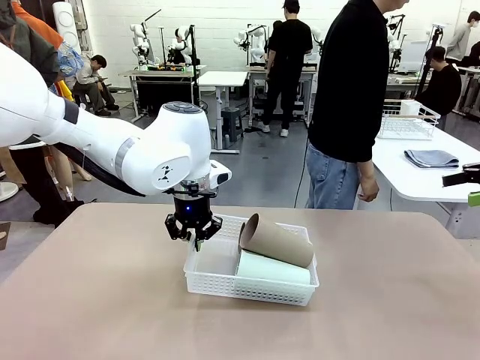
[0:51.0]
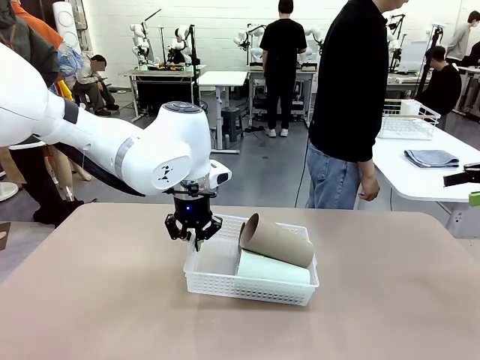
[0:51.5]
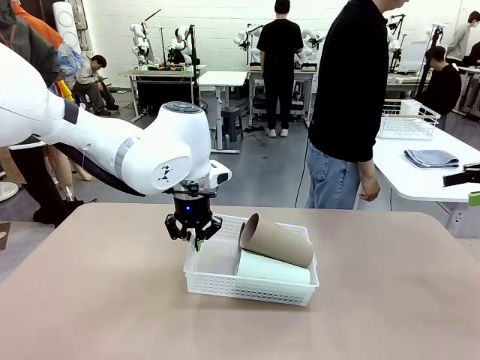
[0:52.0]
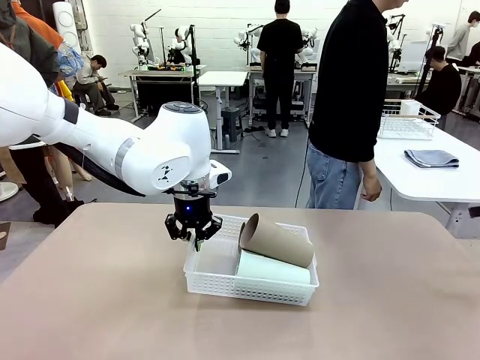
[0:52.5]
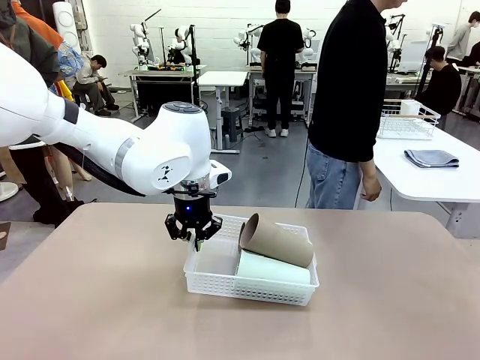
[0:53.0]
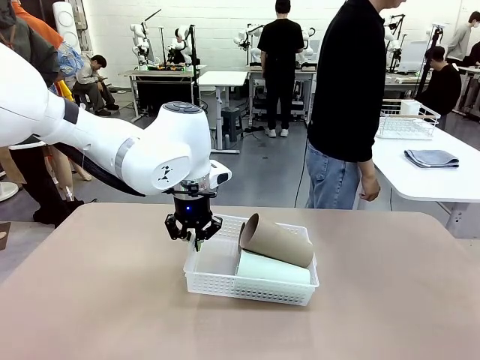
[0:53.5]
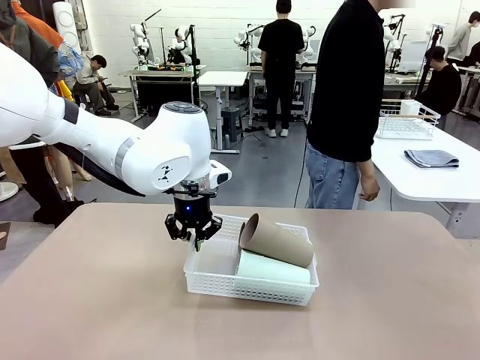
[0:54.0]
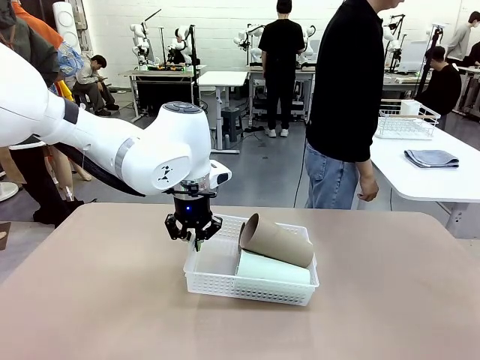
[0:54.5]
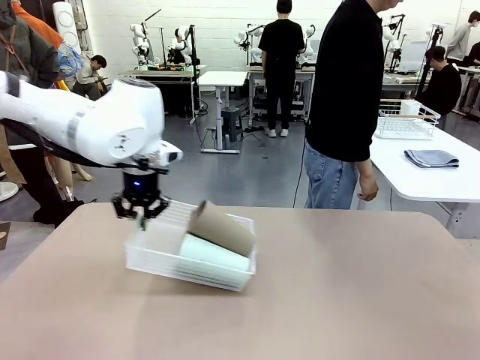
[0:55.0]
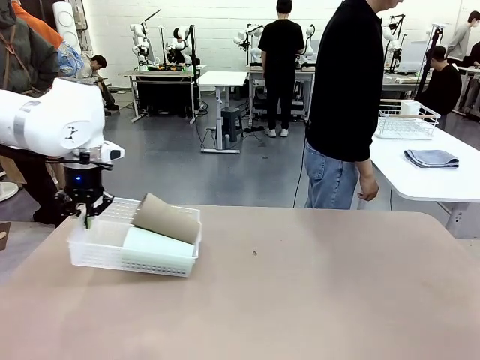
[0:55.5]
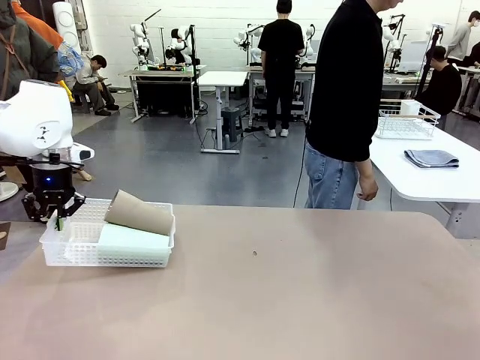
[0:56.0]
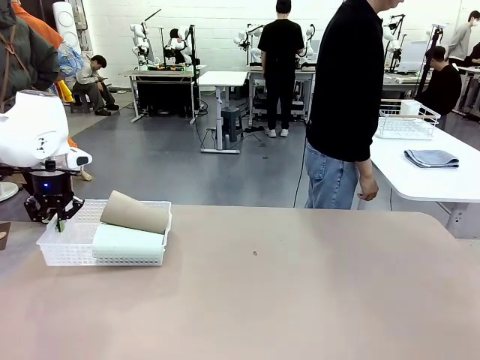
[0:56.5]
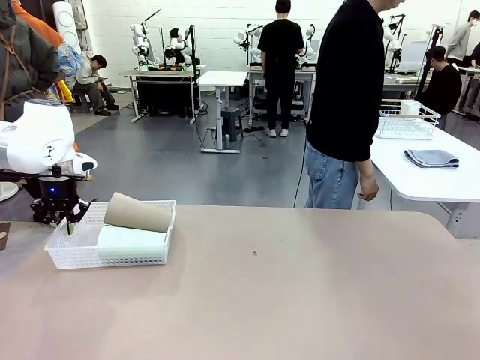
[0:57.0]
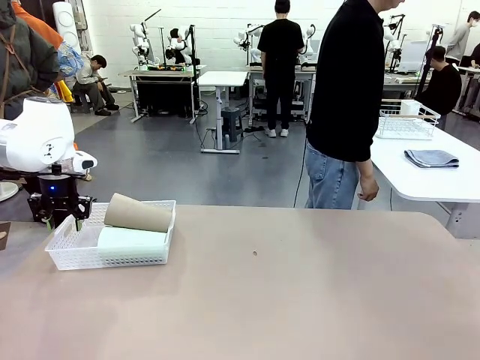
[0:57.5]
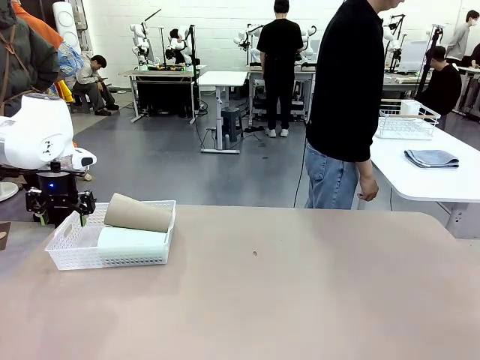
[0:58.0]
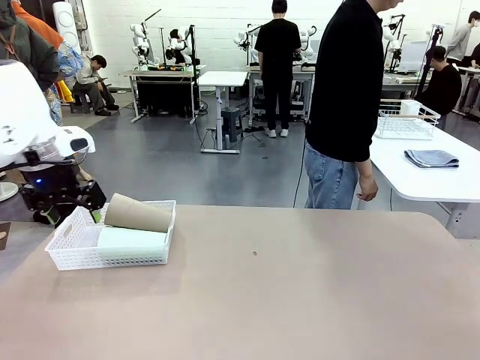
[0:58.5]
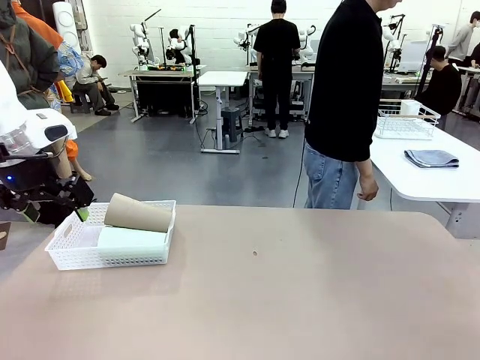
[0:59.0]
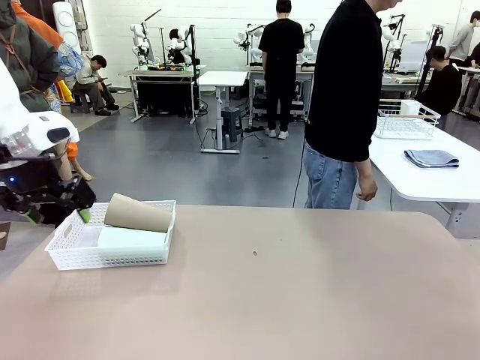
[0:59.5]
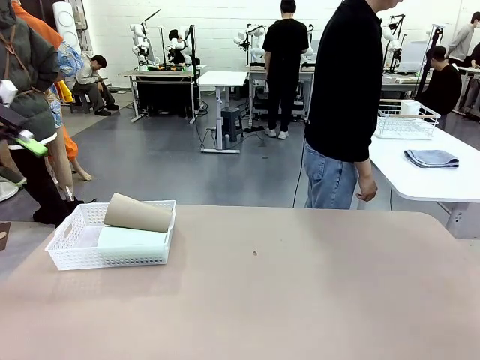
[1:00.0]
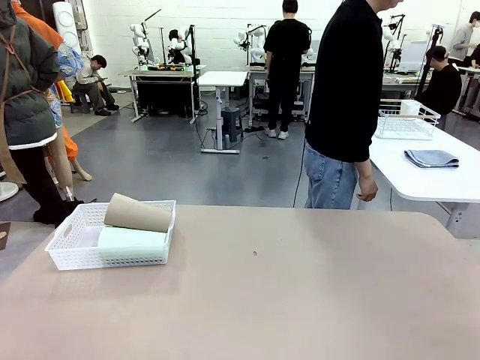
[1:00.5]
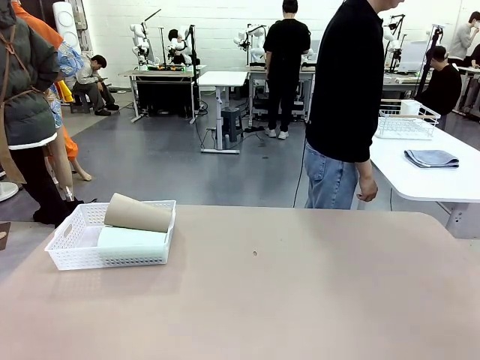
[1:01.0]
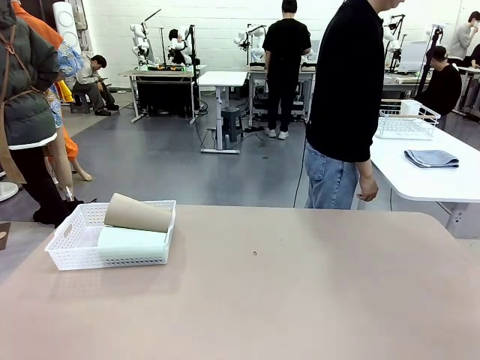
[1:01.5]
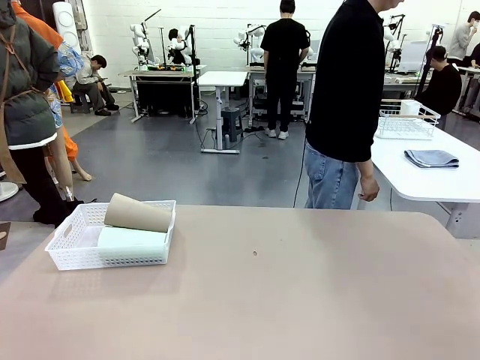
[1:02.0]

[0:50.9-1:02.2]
Task: Clean and organize the cups into the basket.
Robot: Move the Organizing basket back to the left side of the table.
Person: Folds the towel in half twice and places it in the right of the table.

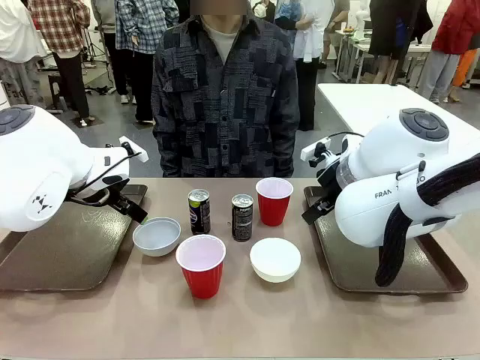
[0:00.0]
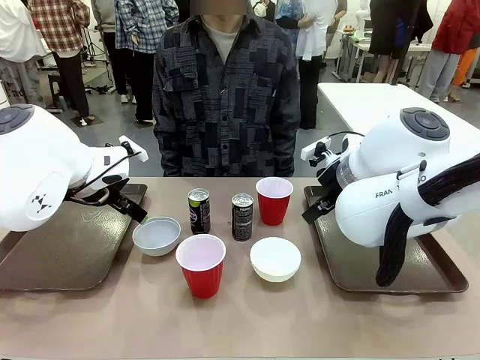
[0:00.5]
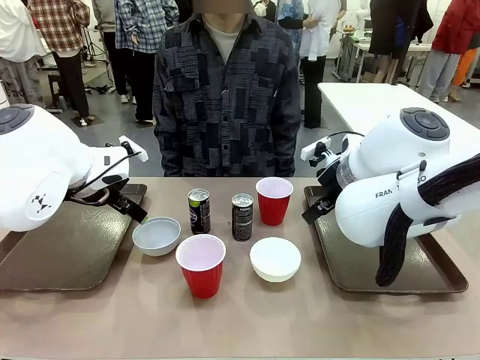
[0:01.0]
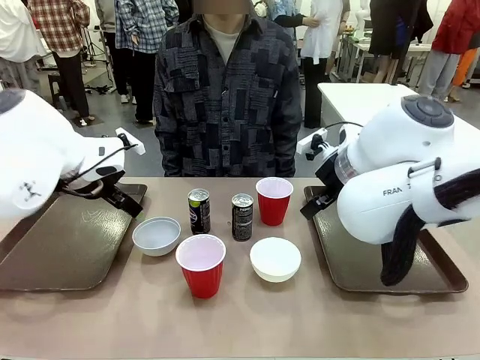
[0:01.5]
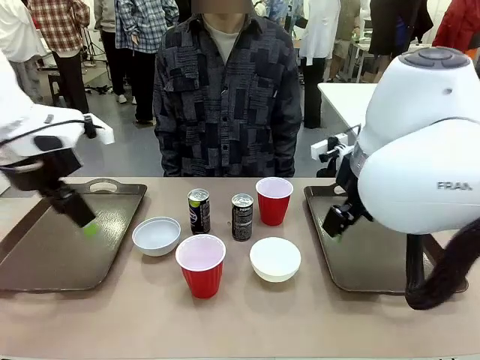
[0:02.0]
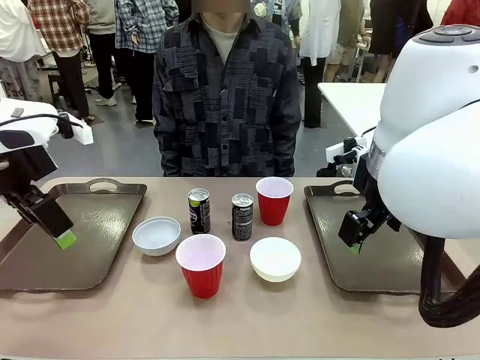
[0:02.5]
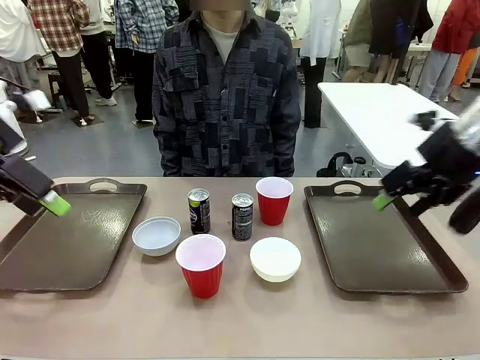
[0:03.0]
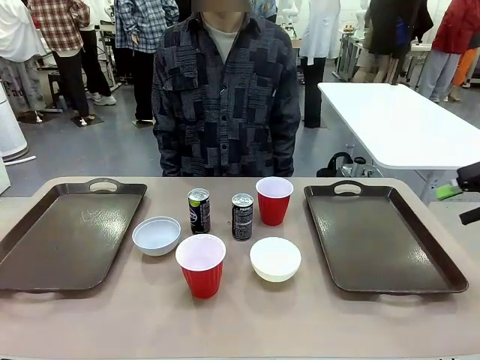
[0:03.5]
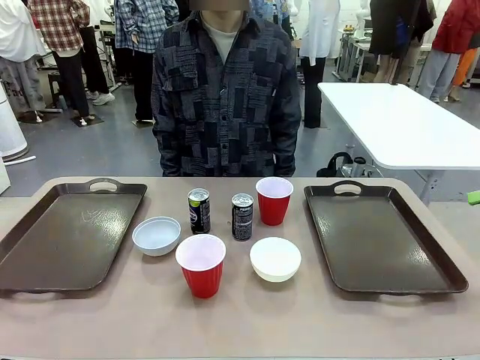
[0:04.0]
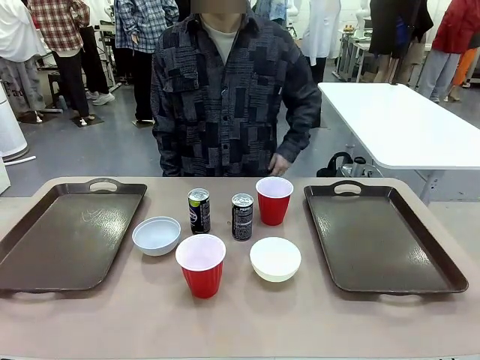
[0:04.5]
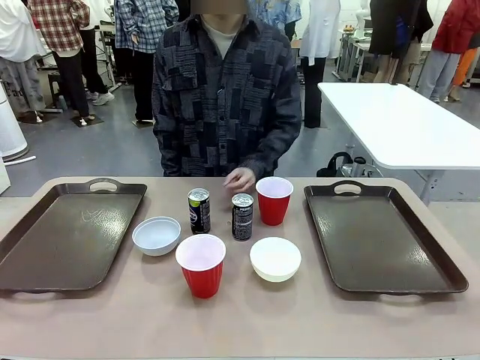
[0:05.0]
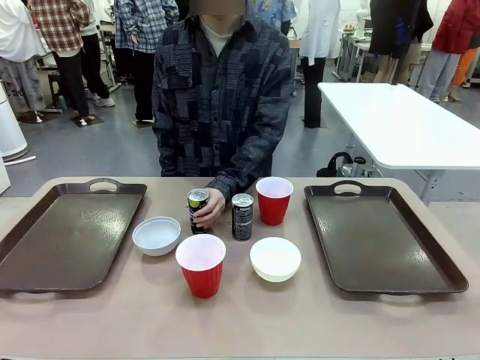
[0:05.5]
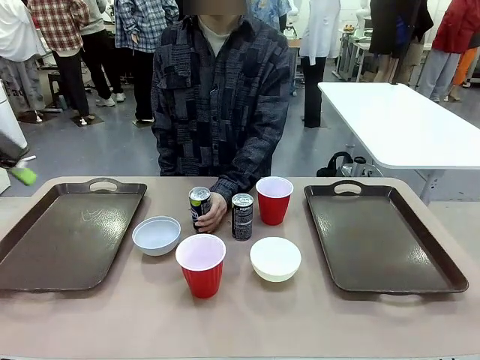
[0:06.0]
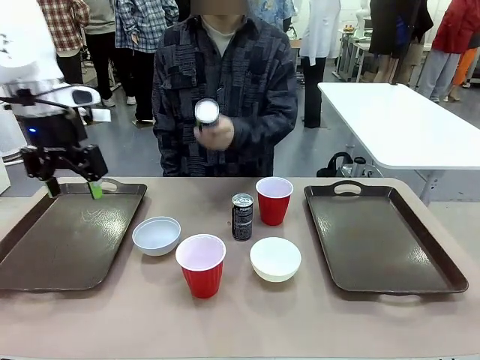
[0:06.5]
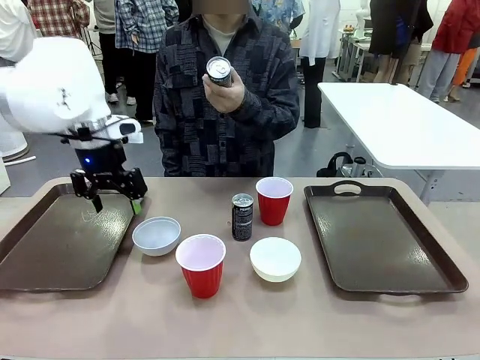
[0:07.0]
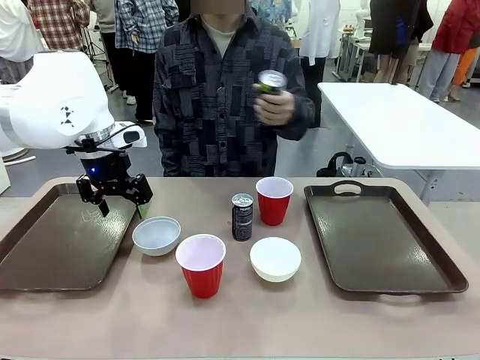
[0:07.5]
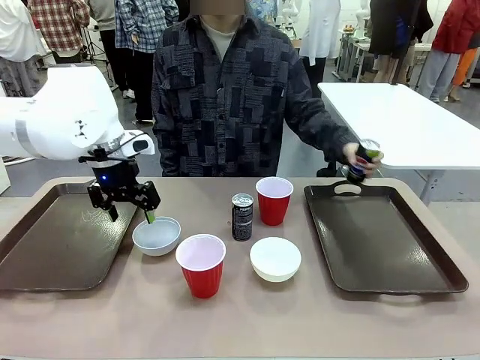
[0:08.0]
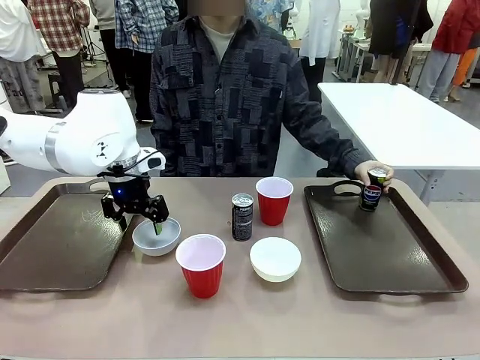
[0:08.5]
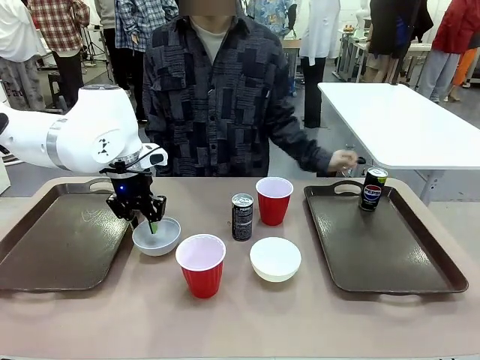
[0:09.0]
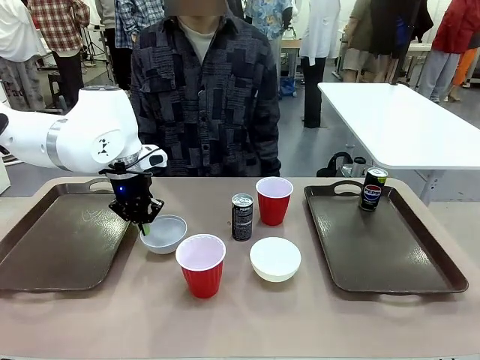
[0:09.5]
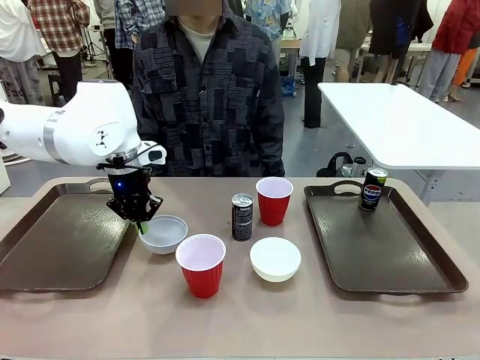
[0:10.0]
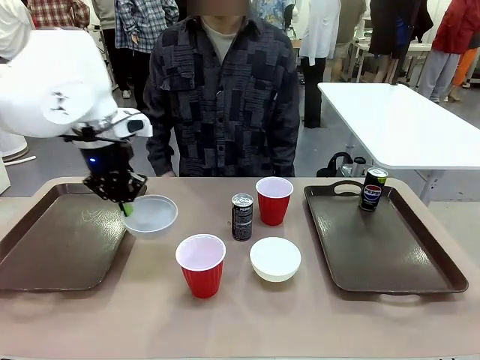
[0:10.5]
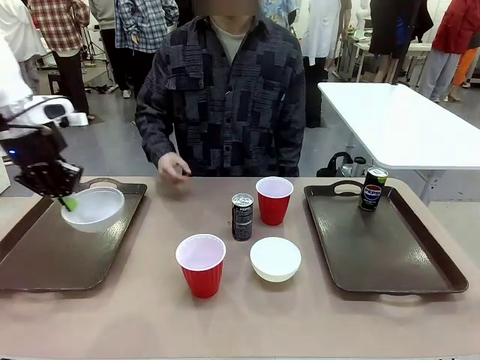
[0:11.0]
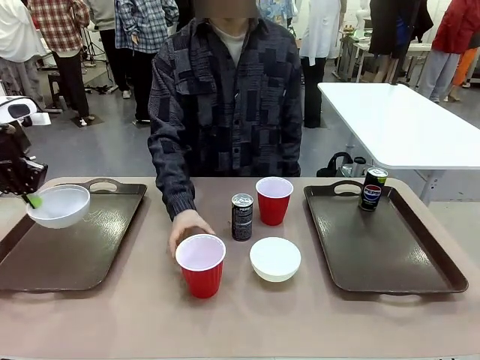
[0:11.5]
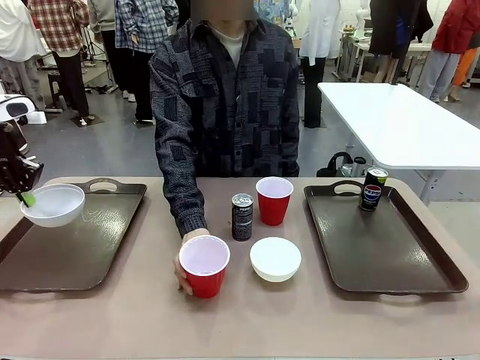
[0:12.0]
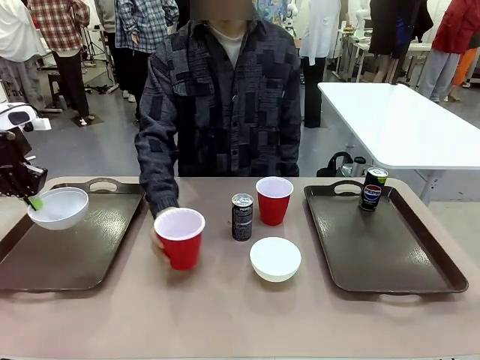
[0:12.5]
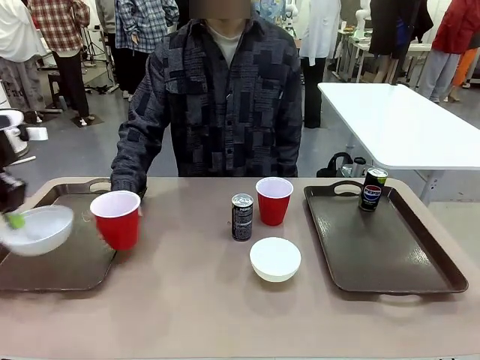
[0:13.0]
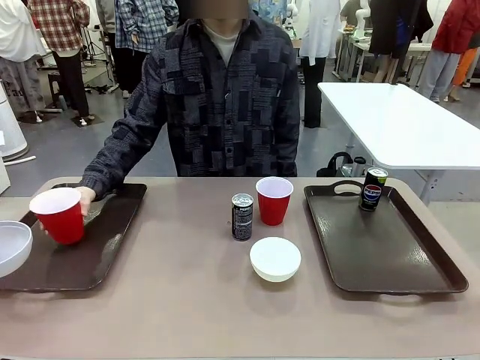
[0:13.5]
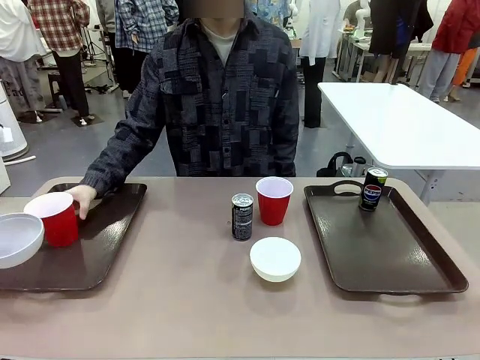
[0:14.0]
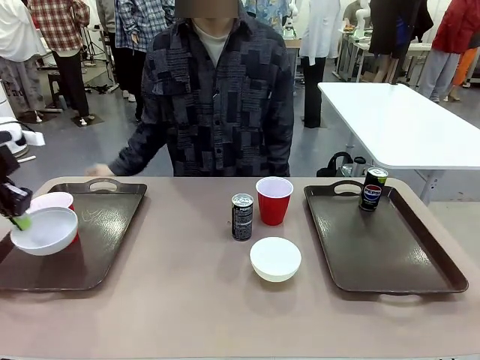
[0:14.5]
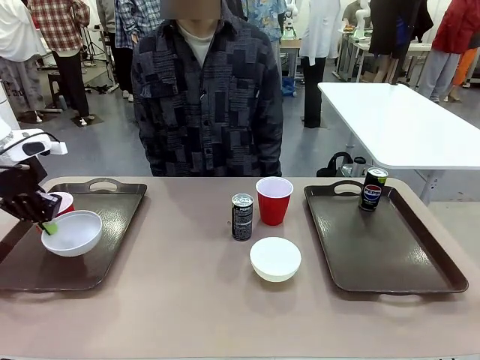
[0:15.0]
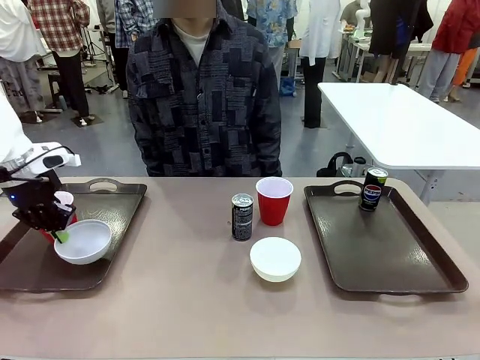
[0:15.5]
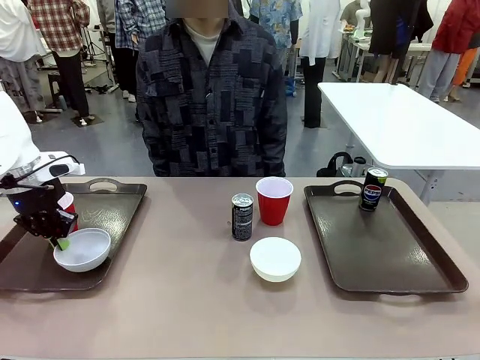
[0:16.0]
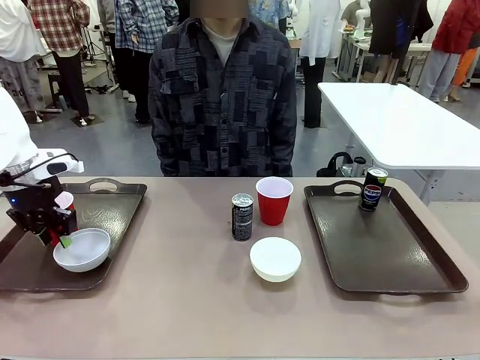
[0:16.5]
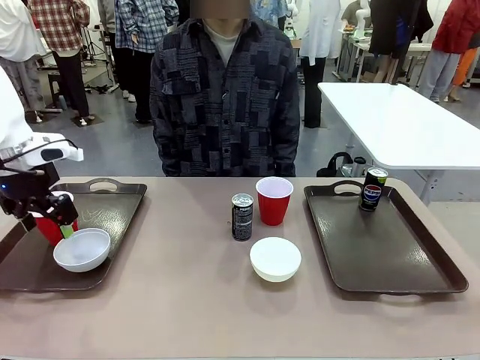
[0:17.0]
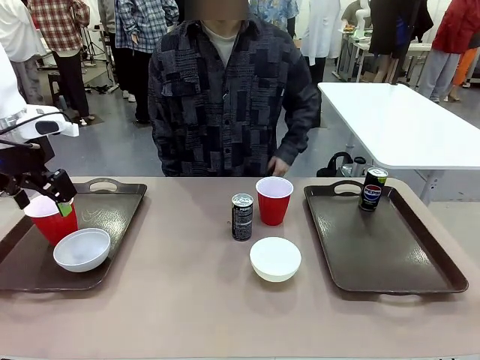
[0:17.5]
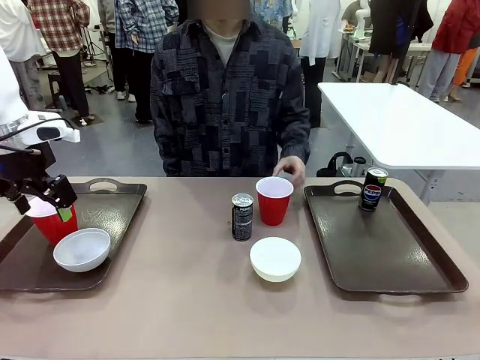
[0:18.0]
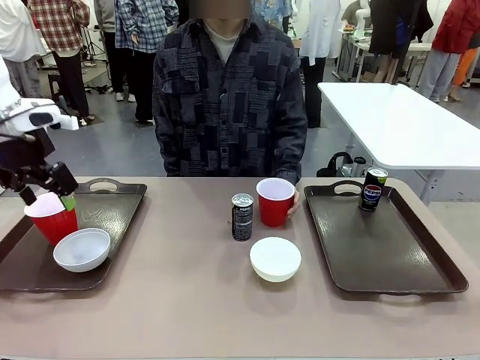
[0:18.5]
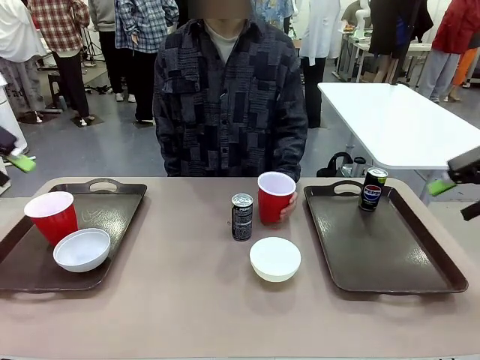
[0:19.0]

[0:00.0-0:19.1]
Task: Prepare tableware on both trays.
Robot: Pick up a Picnic Bowl from the table and place it on a Handle tray.
Person: Pick up a can or cup and place it on the tray.
